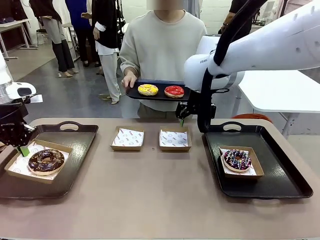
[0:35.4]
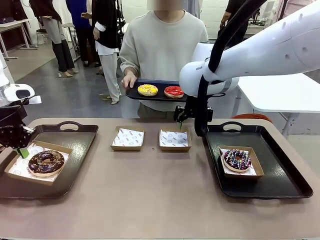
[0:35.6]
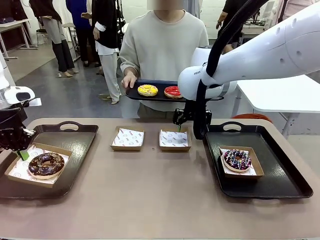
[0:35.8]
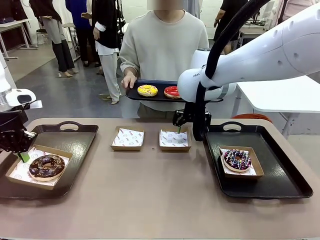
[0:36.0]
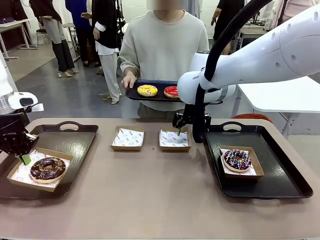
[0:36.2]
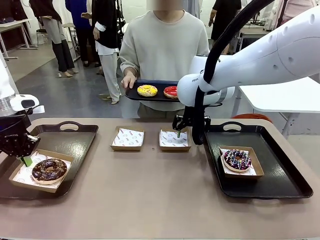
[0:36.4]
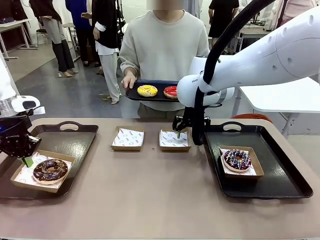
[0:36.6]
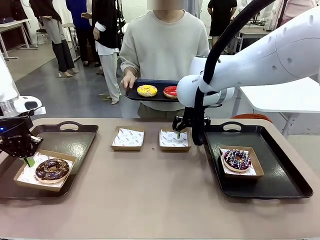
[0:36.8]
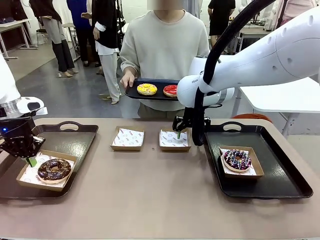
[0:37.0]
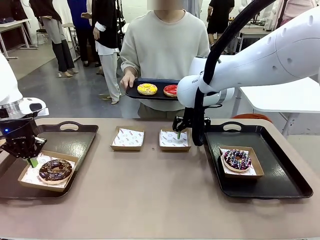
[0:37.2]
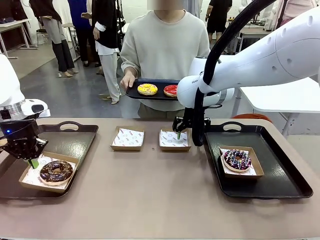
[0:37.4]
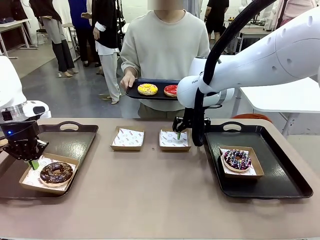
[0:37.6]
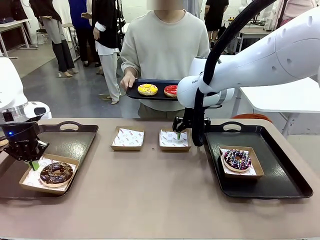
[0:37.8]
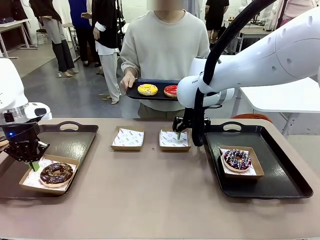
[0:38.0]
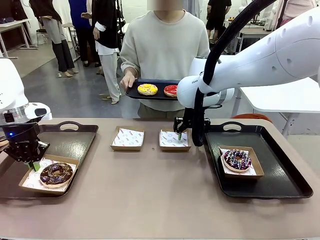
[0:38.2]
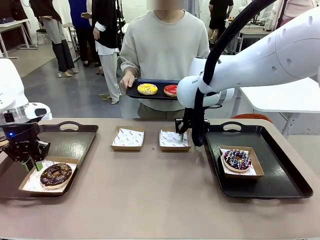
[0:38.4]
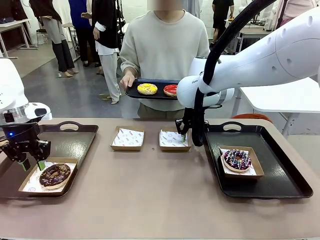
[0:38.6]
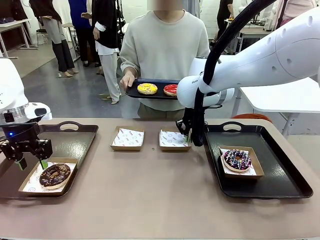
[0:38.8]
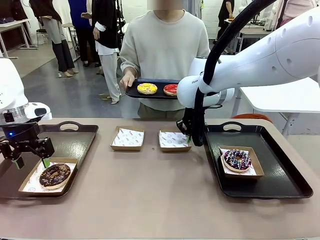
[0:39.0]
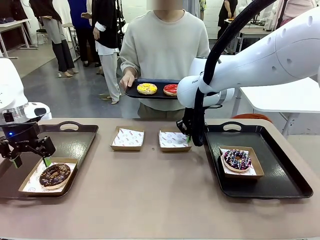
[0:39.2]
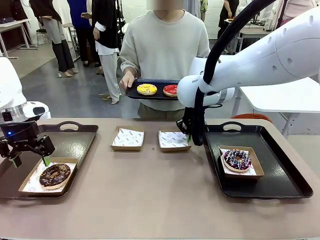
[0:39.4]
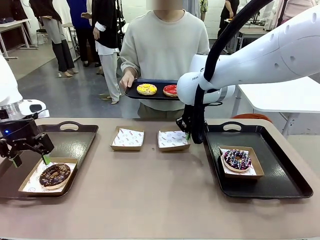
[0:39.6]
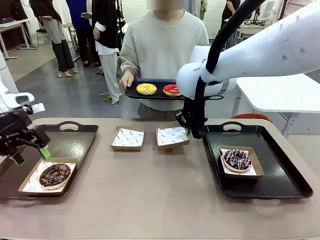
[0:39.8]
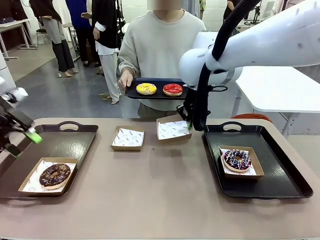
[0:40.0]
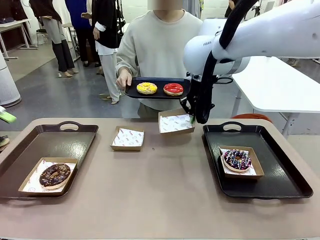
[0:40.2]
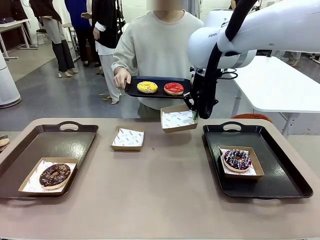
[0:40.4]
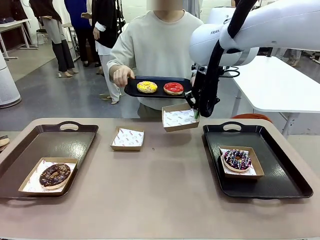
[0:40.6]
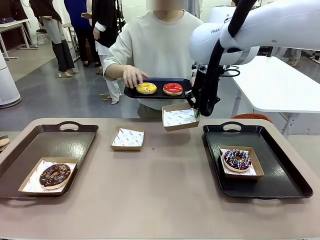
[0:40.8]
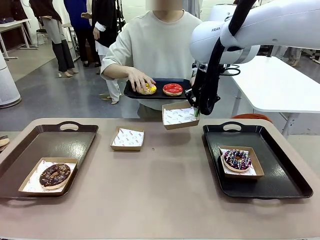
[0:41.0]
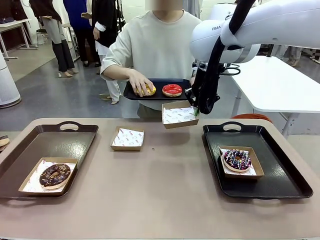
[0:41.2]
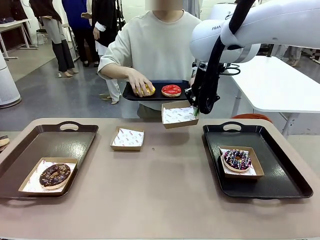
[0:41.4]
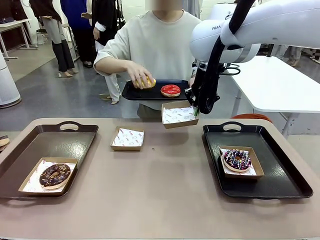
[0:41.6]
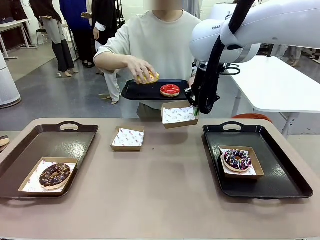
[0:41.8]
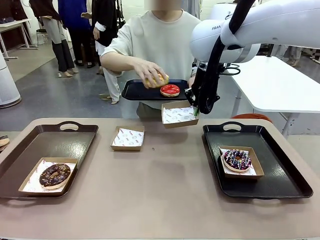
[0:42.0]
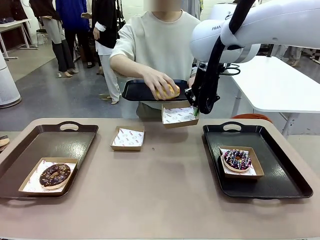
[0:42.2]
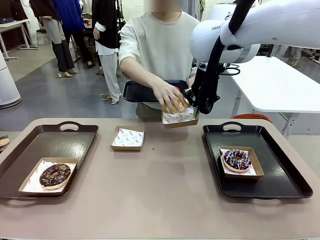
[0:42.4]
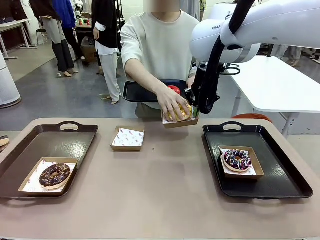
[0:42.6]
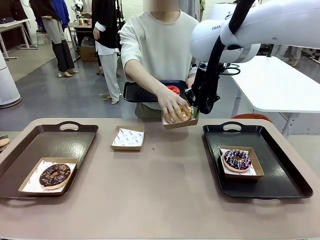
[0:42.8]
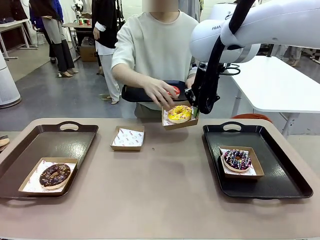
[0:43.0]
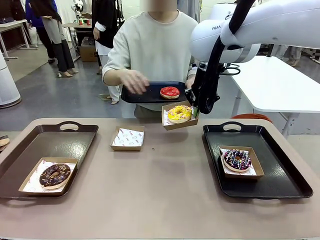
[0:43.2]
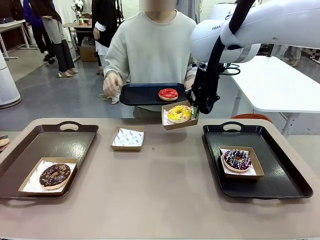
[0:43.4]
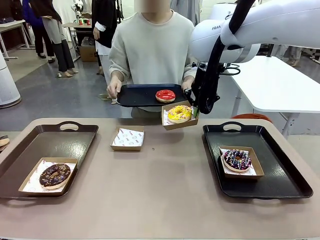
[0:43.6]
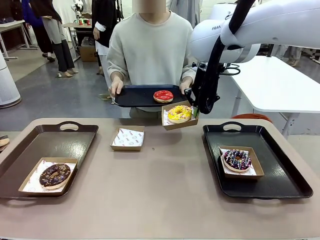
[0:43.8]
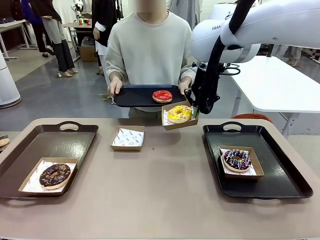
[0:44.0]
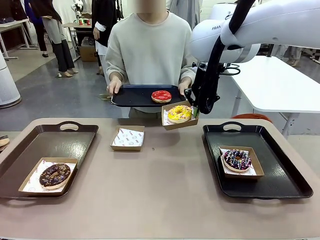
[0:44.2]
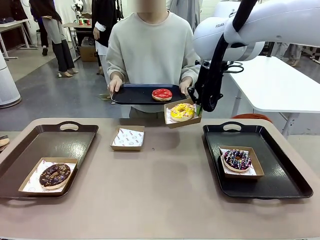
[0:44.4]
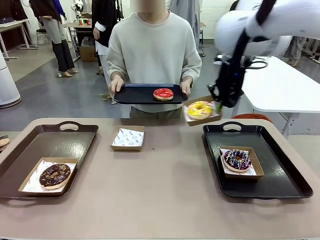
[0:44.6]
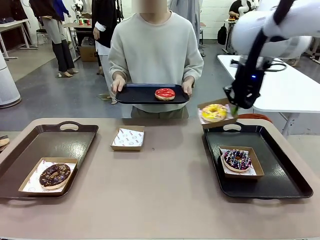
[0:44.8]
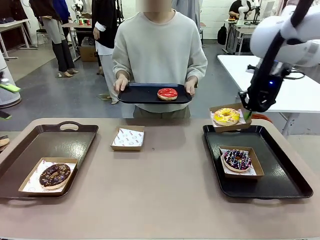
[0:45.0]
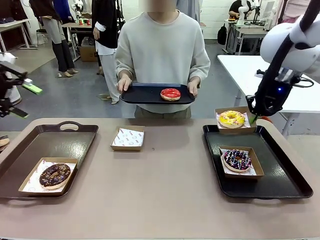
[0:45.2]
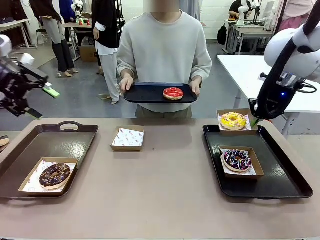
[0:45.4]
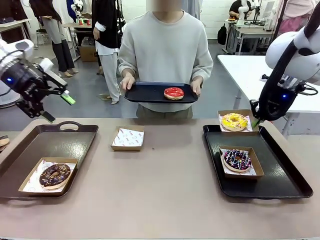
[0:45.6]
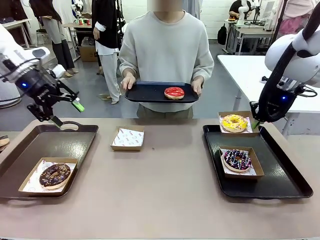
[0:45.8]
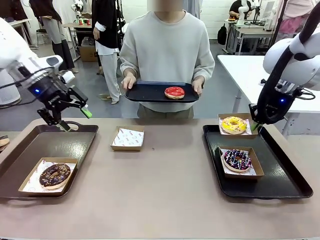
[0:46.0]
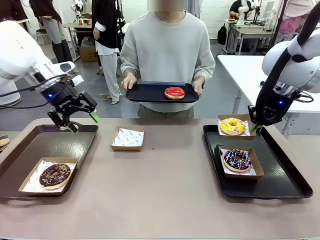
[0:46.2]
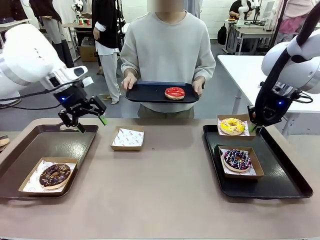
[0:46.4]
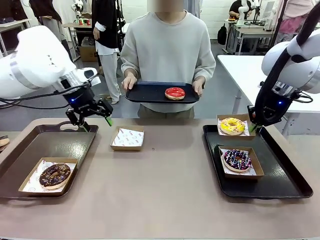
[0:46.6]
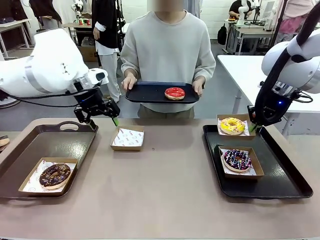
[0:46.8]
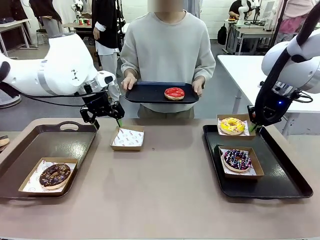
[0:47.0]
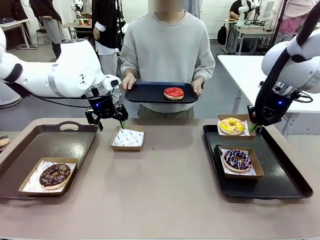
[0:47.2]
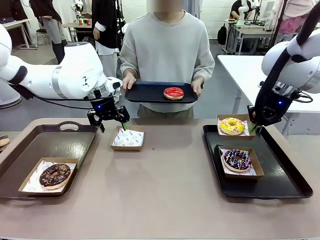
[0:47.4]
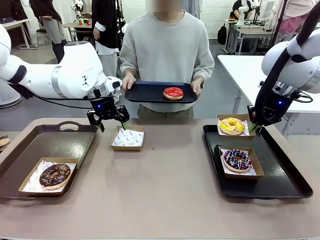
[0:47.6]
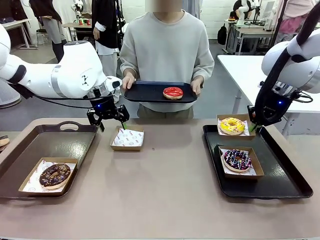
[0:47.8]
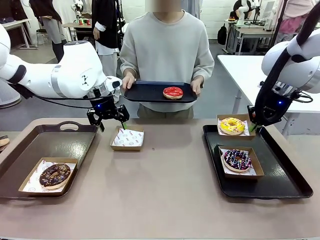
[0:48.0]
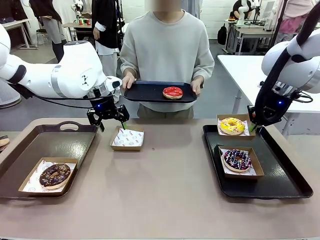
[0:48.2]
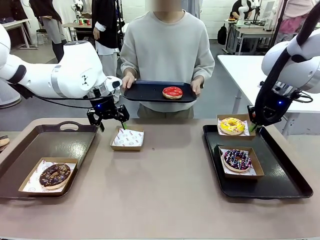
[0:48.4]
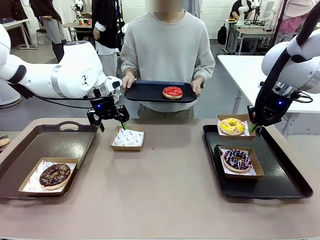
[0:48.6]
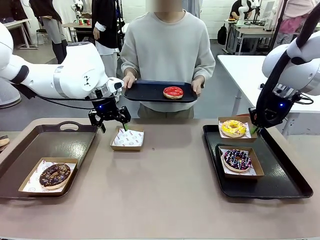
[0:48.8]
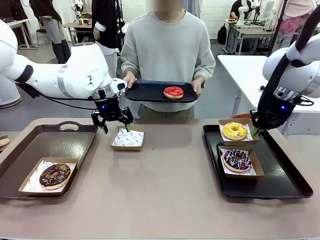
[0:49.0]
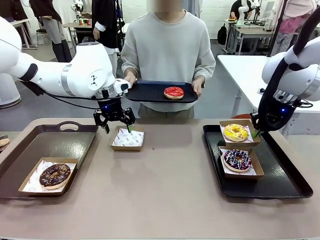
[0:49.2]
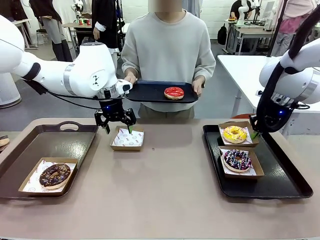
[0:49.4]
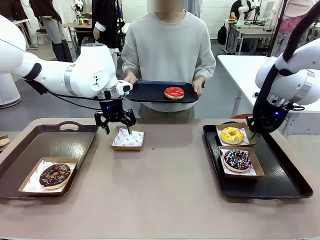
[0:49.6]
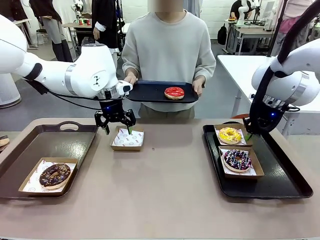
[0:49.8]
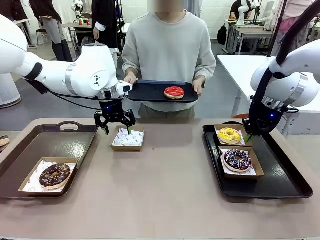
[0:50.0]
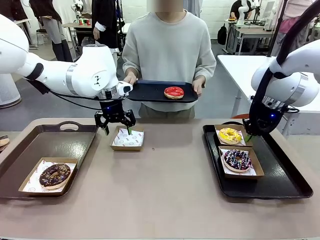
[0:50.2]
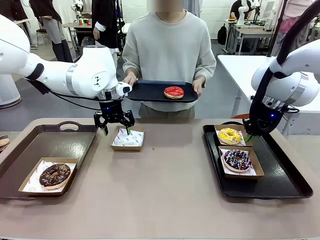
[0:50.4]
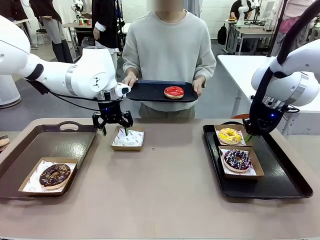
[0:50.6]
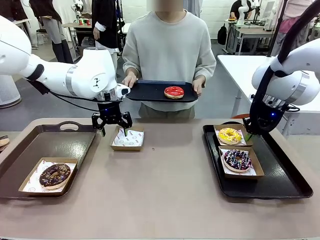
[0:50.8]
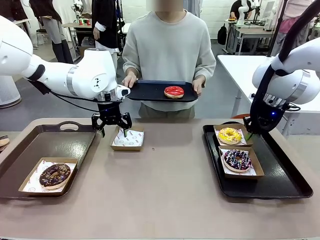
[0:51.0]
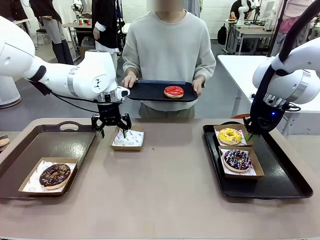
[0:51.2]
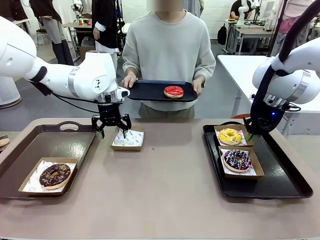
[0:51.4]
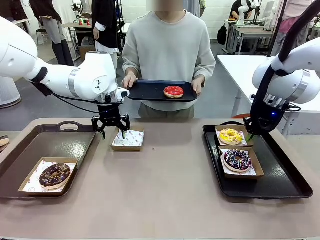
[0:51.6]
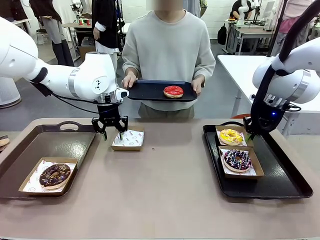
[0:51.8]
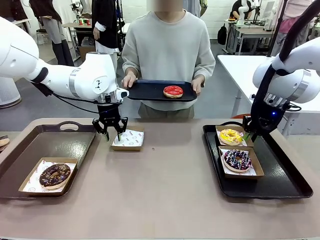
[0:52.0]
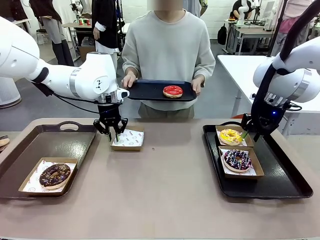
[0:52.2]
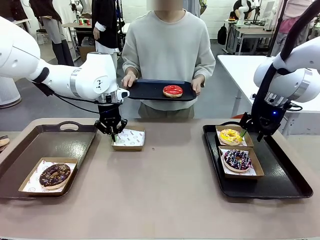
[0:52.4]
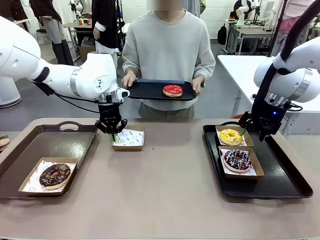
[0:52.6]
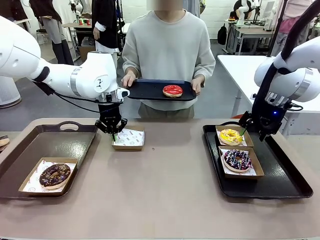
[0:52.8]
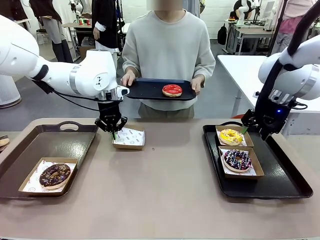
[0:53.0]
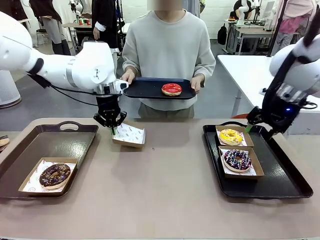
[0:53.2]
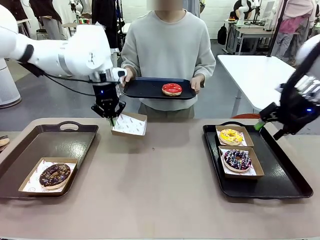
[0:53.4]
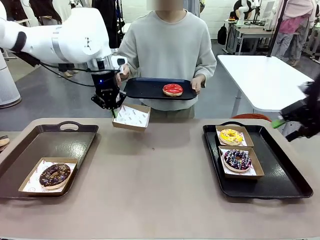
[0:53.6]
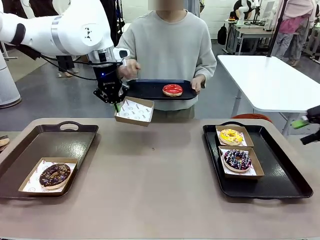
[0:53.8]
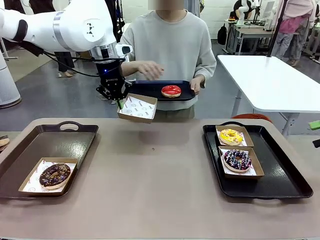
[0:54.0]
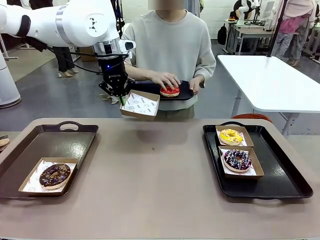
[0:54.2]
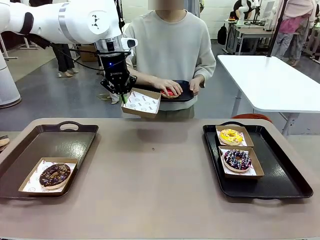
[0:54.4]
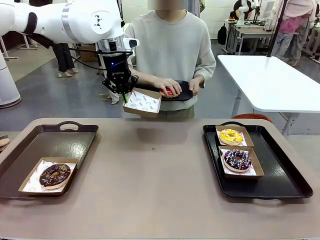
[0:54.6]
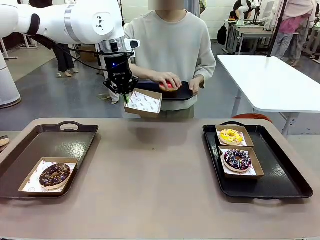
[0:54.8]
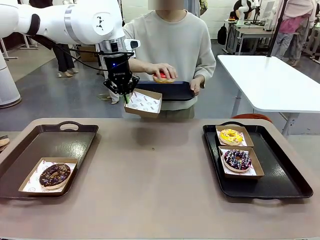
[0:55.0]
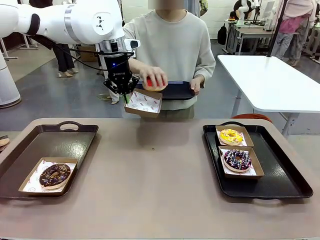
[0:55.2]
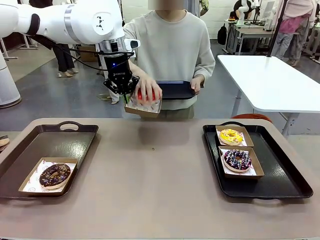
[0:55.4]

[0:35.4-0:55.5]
Task: Individually package the donuts and arrange them on the tray.
Robot: Place the picked Paper togo box on the Handle tray while simultaneously picking up another Paper togo box from the table with the other hand.
